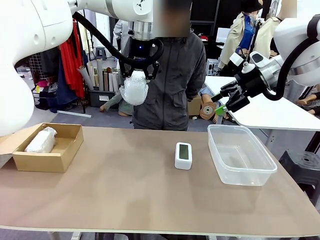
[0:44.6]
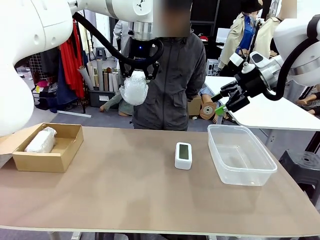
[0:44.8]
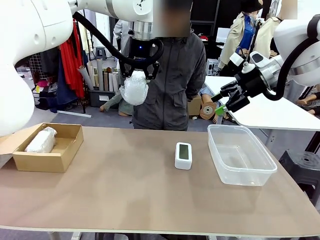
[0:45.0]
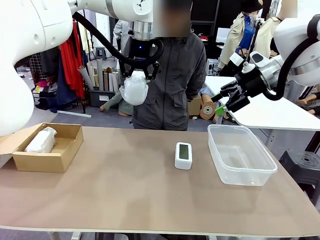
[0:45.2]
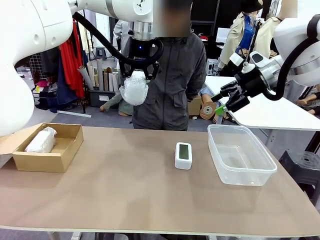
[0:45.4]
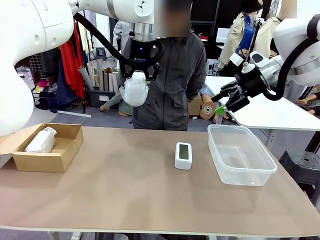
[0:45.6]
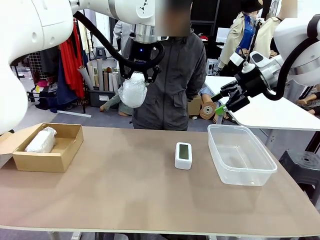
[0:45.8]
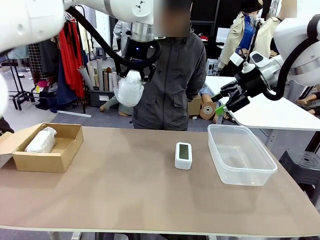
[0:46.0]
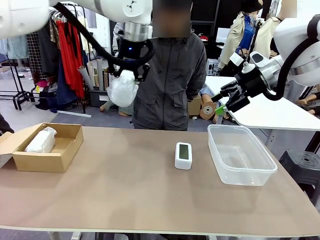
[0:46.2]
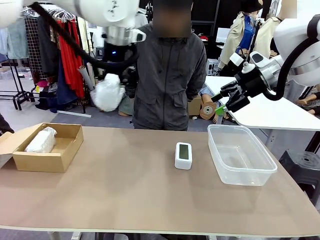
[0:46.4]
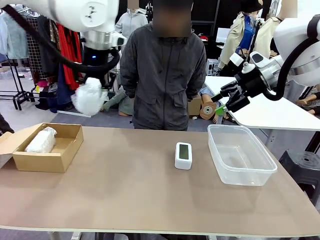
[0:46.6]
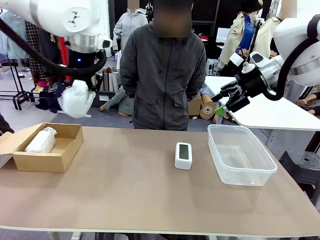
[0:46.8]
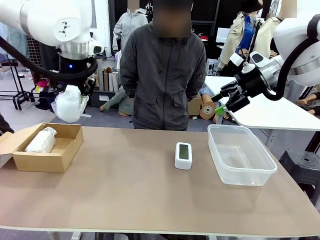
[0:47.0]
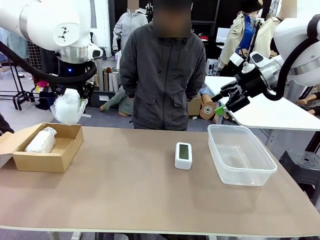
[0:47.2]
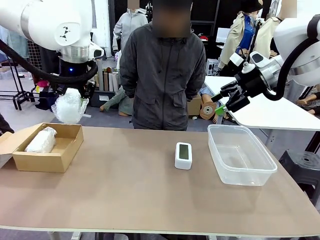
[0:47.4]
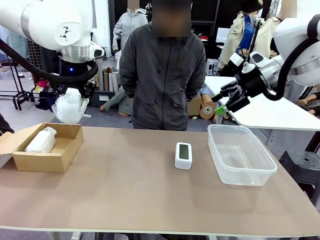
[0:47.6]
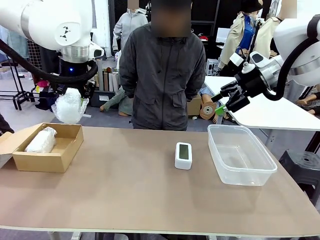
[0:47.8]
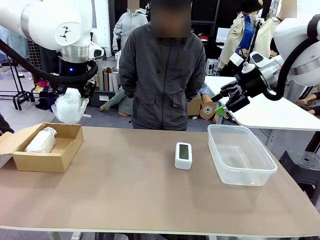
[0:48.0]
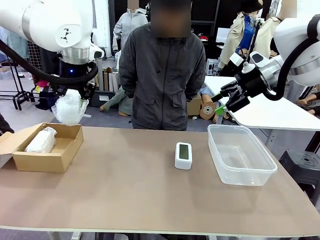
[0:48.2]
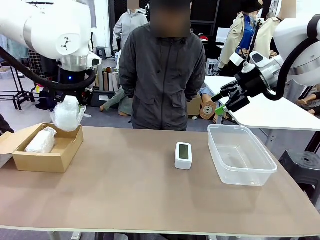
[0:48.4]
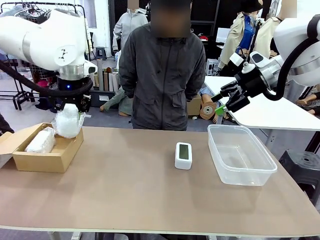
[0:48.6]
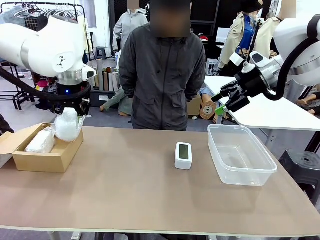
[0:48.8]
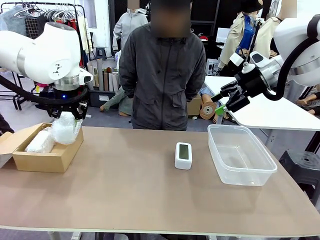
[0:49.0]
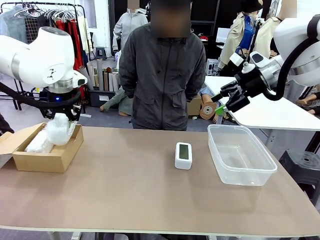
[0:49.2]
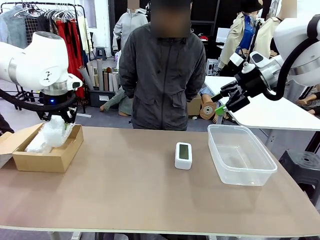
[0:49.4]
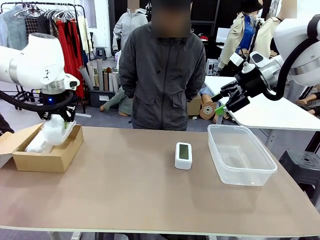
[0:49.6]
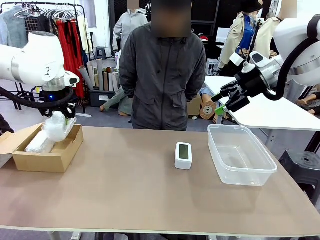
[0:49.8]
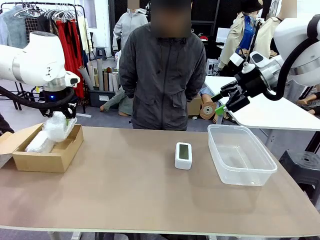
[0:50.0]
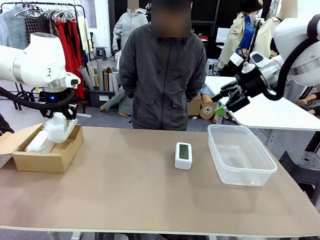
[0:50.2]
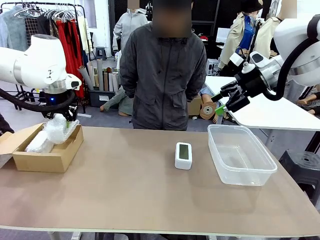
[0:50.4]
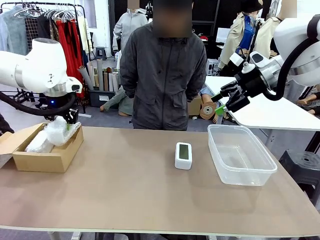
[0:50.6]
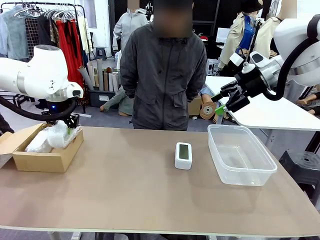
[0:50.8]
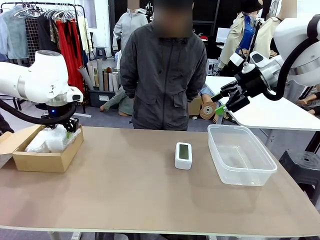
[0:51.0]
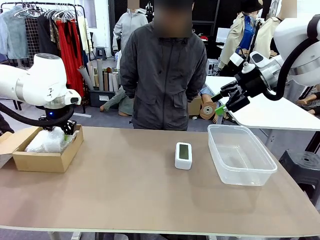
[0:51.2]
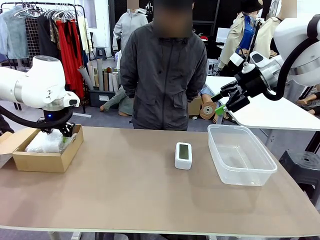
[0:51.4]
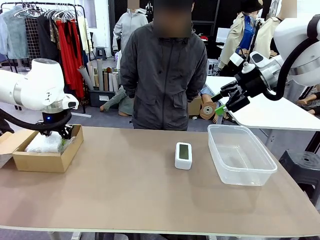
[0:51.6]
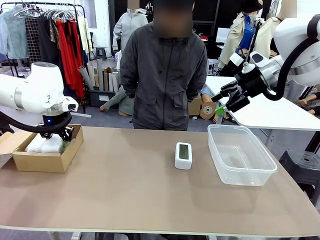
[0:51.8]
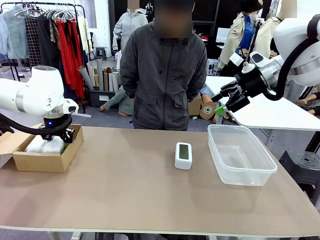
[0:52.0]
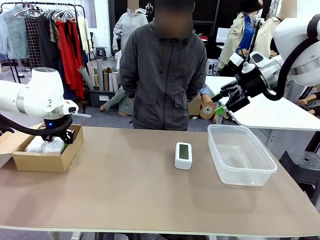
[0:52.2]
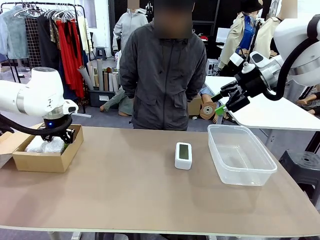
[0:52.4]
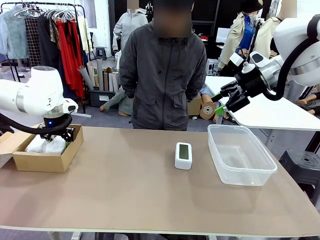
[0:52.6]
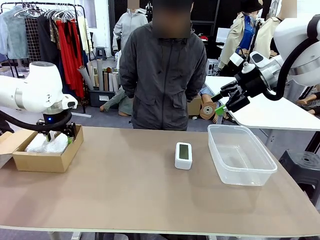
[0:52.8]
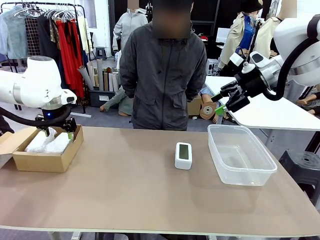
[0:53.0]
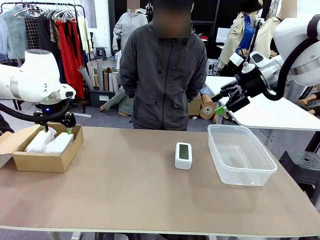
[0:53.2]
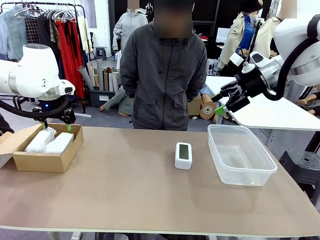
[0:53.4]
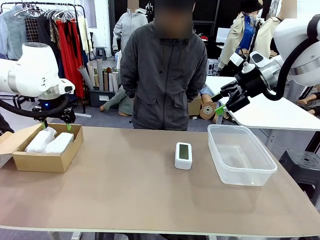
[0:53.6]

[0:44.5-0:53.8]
Task: Separate and place wrapped and unwrapped clocks.
Robot: If the picked Digital clock is wrapped, place it in the Package Box ; if not, place it in the Organizing box.

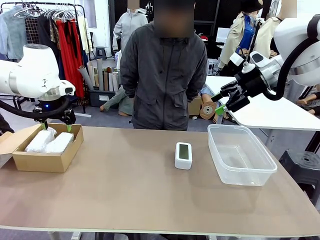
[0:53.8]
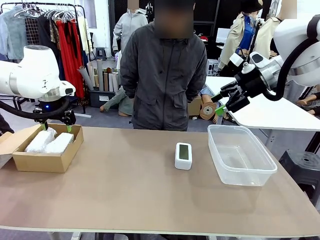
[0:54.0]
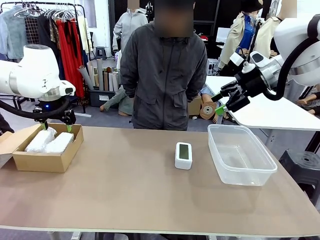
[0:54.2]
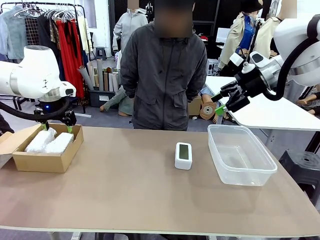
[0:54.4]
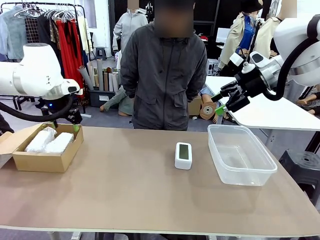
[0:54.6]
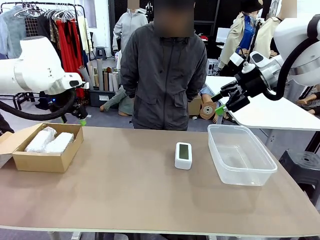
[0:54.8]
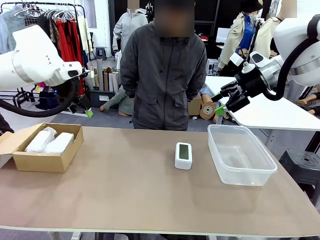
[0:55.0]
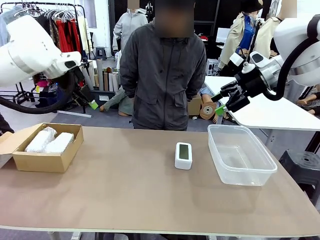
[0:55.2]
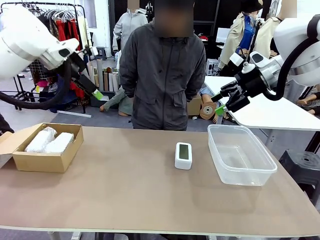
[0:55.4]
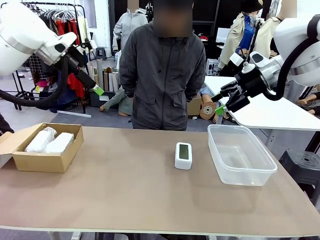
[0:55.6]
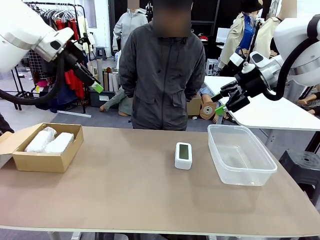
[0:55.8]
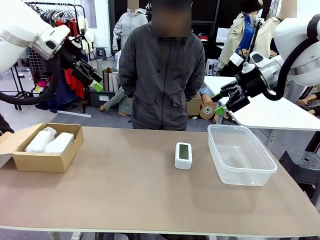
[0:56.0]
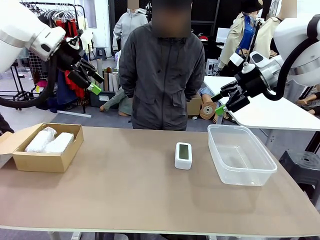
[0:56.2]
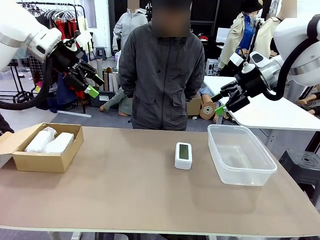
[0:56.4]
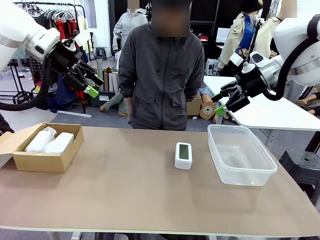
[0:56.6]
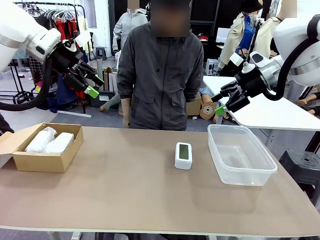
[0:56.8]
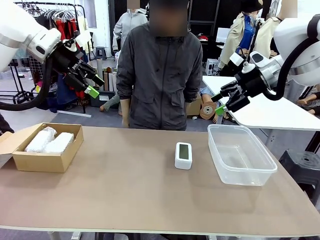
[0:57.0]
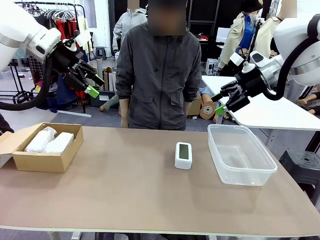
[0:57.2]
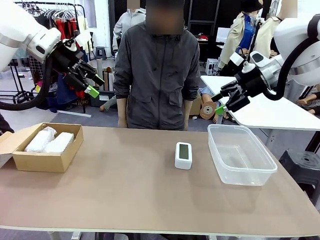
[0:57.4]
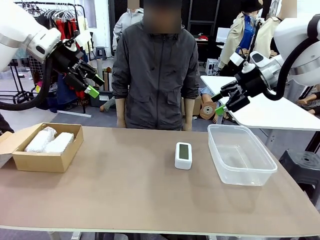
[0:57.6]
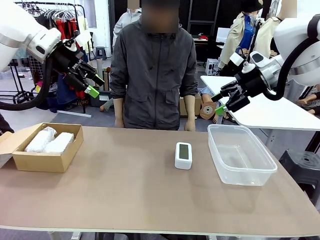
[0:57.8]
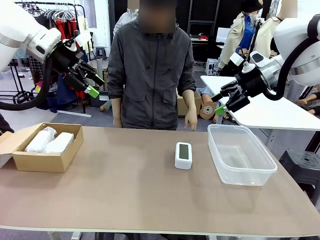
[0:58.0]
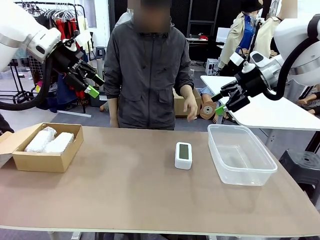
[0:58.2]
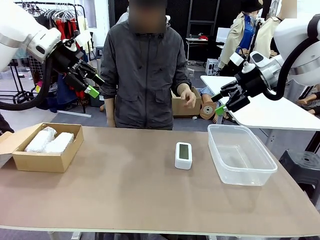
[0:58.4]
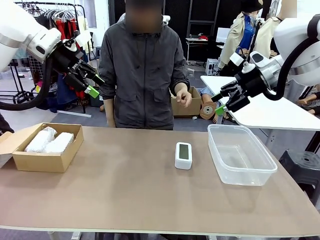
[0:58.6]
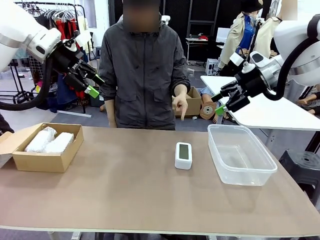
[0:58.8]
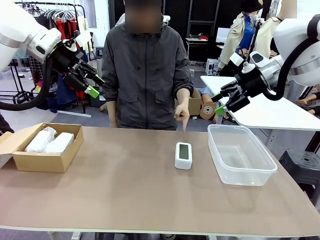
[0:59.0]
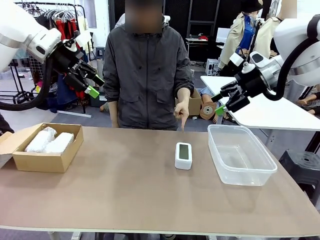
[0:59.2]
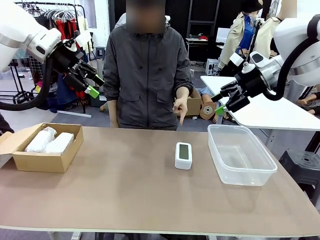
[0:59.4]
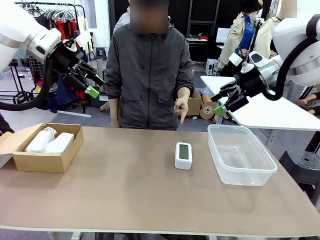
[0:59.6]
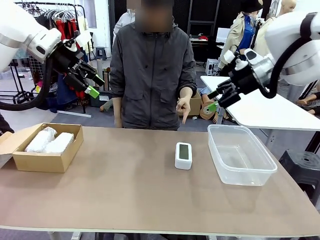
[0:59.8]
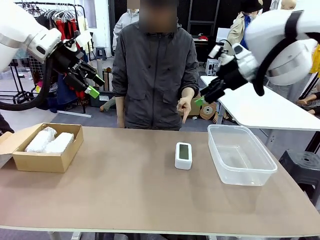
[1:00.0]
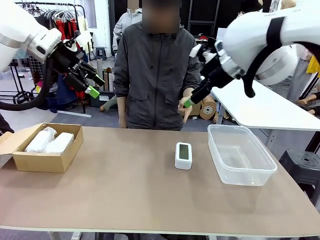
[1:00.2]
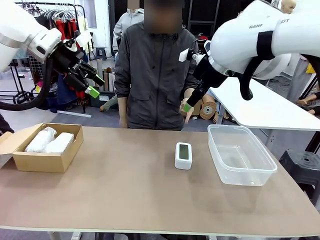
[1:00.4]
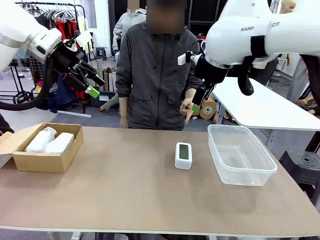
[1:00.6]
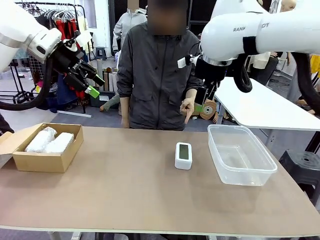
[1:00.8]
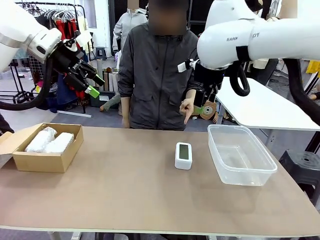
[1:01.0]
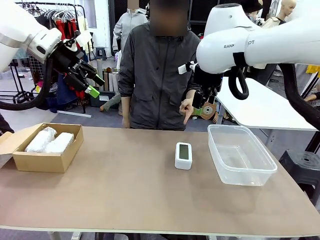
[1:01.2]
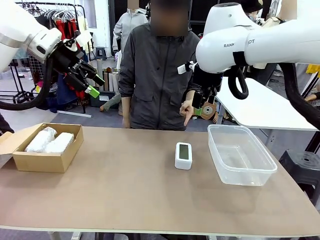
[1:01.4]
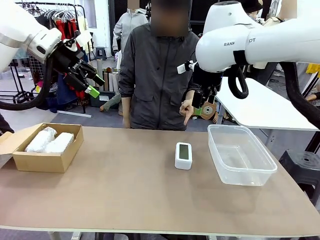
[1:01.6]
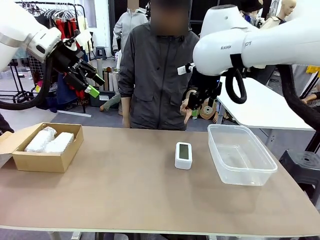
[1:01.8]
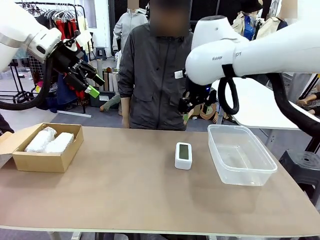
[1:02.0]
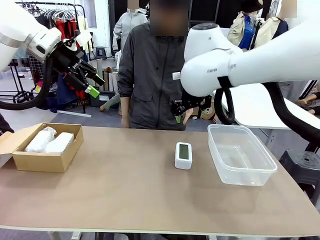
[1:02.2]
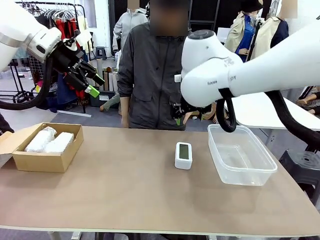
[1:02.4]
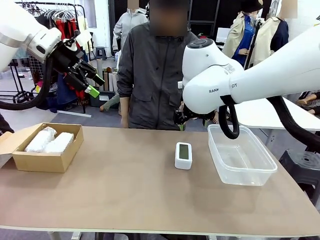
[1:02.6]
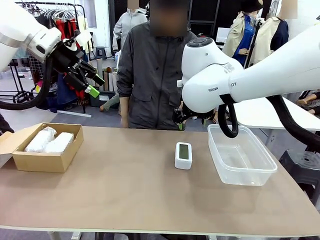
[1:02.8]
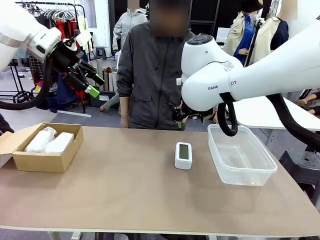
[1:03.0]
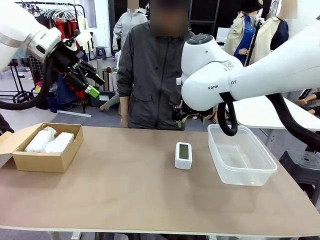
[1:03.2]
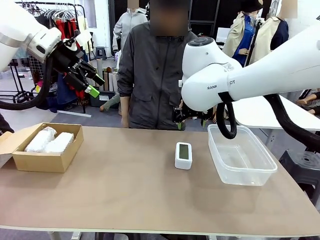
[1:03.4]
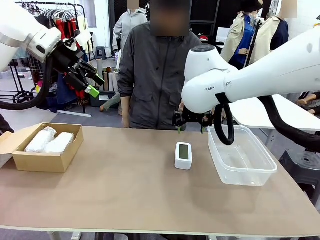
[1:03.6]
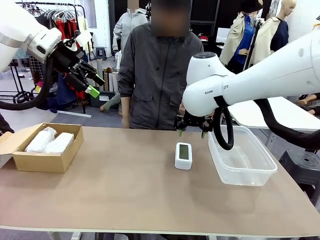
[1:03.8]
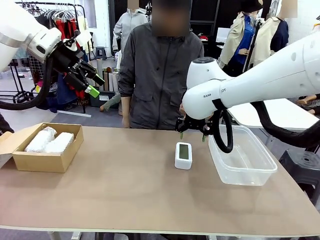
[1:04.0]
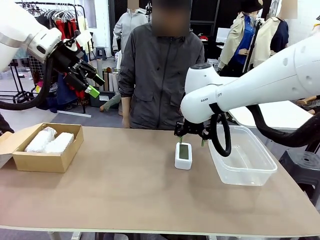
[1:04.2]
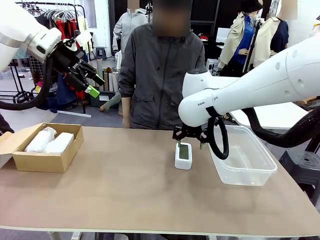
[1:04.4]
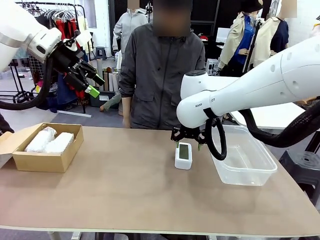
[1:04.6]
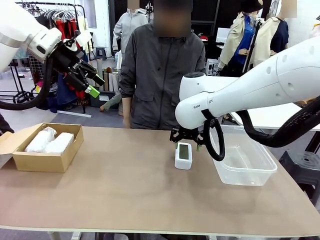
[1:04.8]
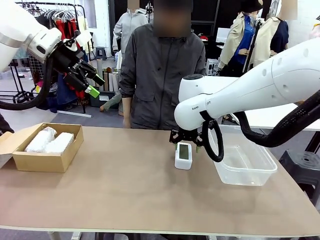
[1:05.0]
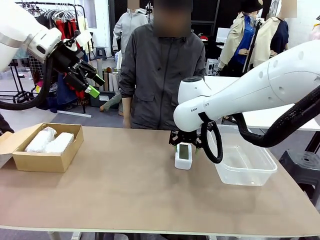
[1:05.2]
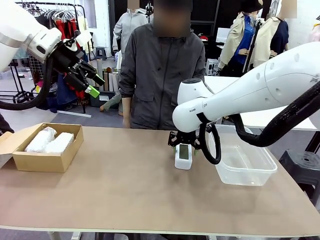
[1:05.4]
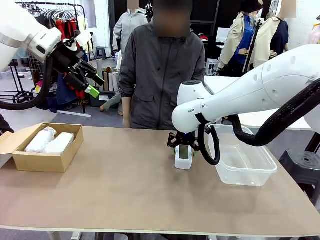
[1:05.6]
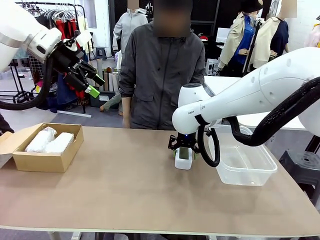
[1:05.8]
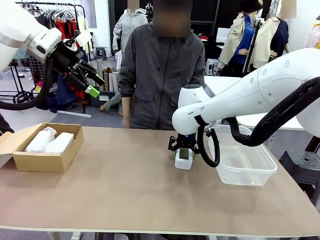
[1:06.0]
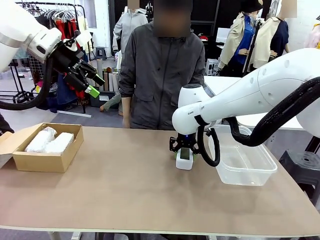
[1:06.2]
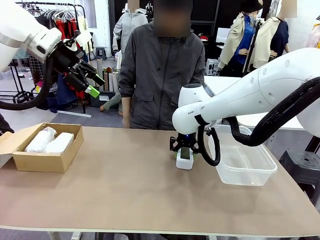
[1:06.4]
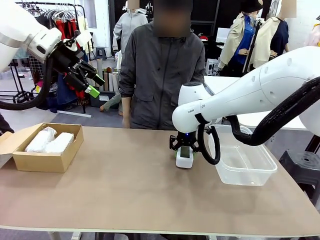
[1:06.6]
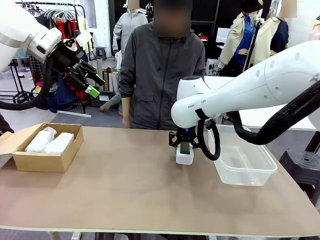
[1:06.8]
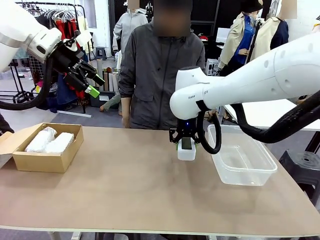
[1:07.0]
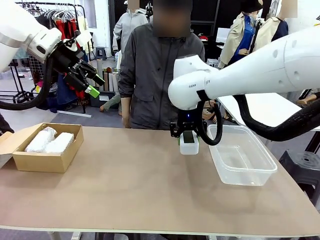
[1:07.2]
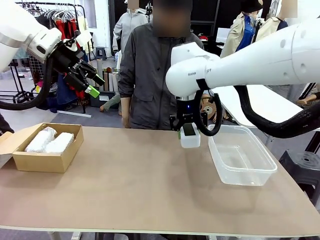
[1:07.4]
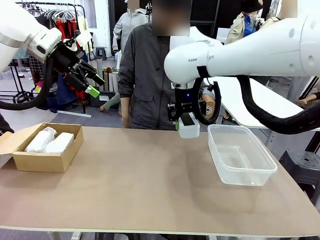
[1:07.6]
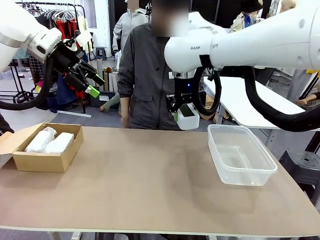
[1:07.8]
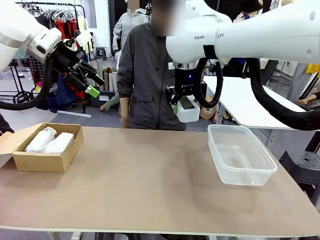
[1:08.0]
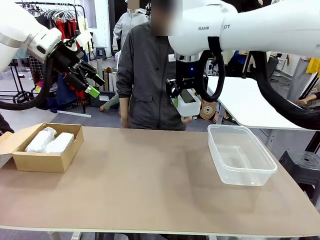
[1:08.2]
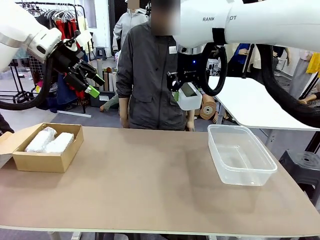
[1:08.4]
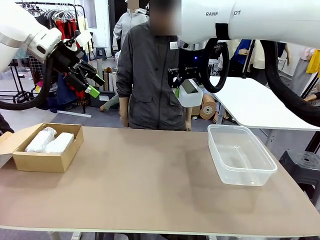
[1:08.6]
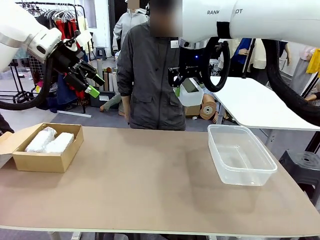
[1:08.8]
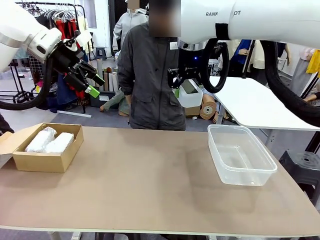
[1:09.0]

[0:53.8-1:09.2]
Robot: Pick up the Digital clock indicated by the person.
